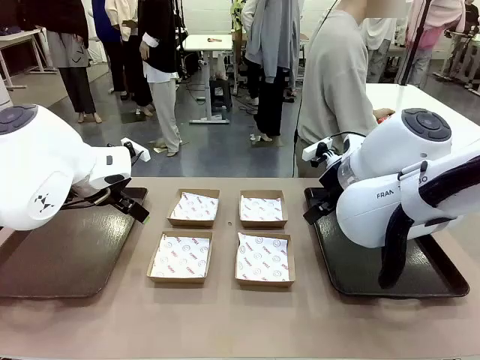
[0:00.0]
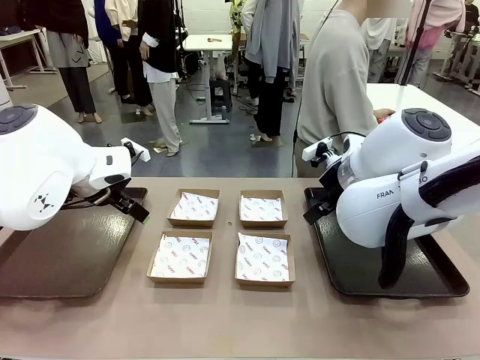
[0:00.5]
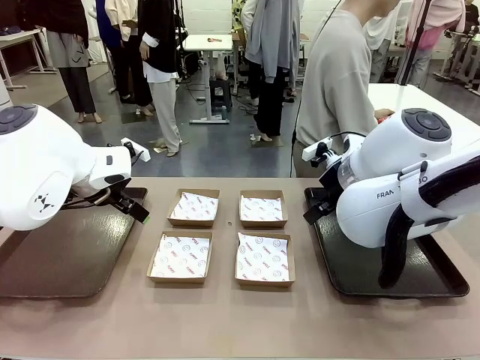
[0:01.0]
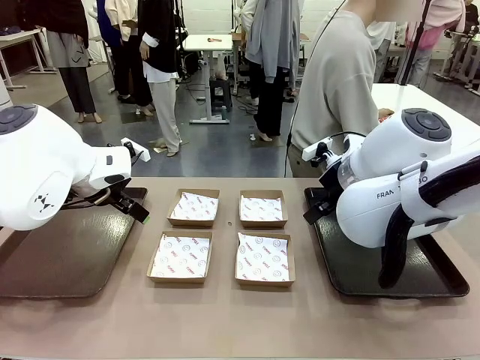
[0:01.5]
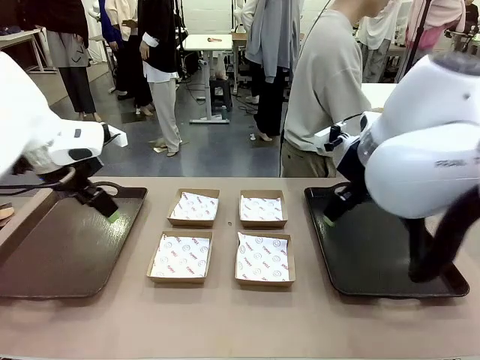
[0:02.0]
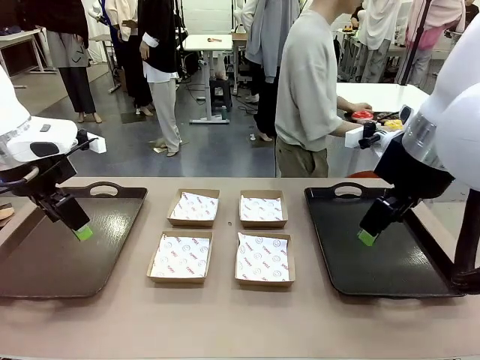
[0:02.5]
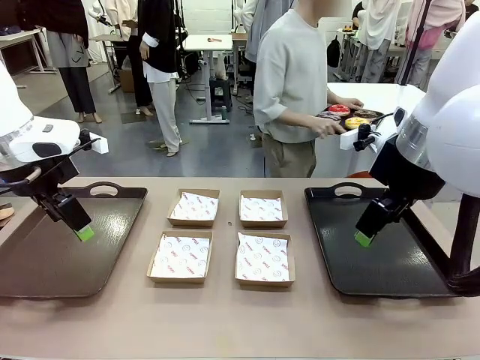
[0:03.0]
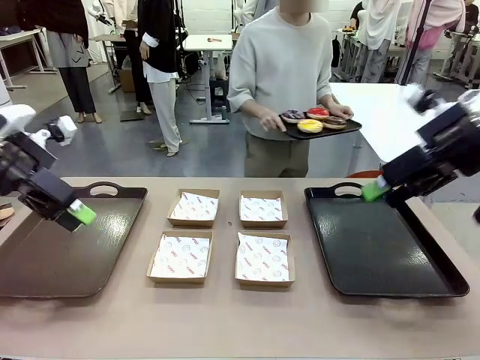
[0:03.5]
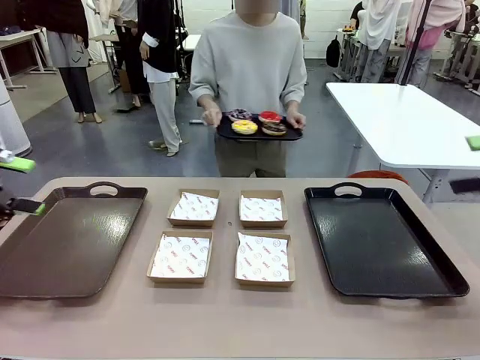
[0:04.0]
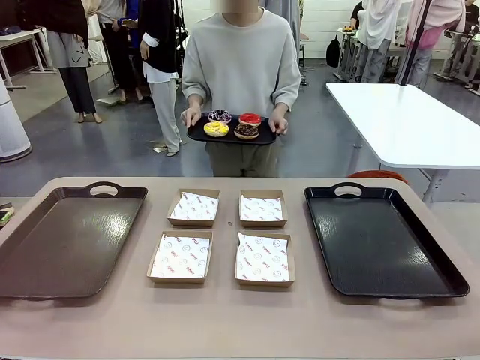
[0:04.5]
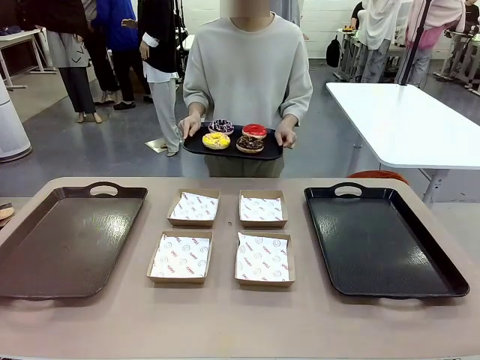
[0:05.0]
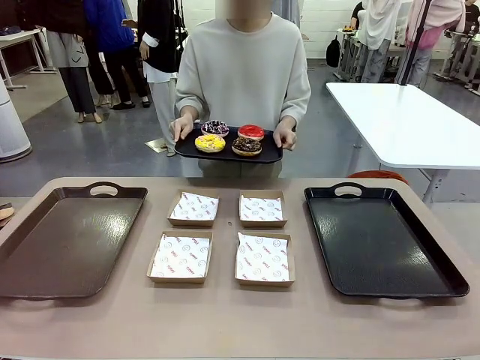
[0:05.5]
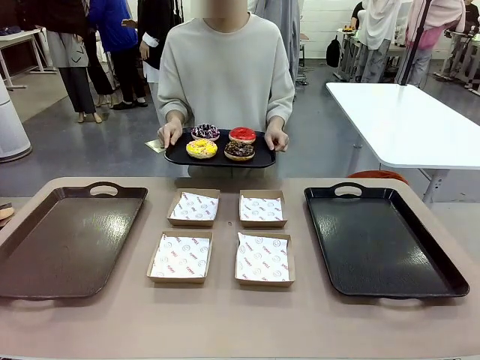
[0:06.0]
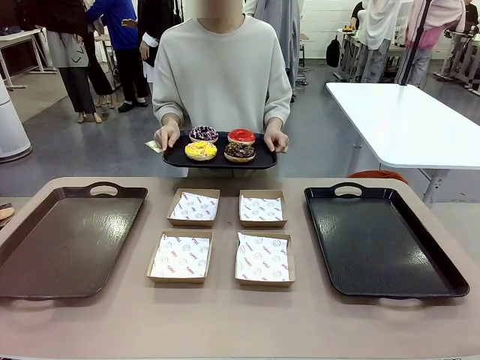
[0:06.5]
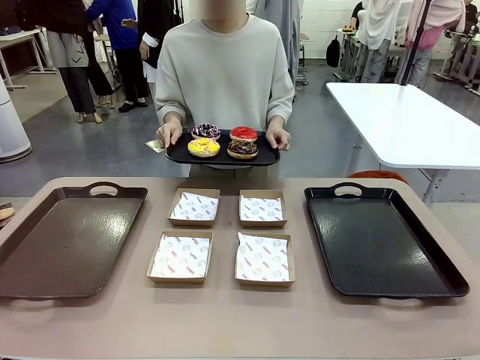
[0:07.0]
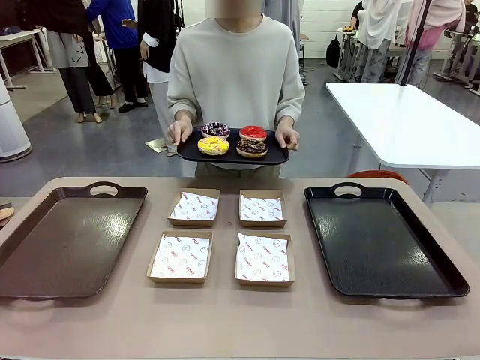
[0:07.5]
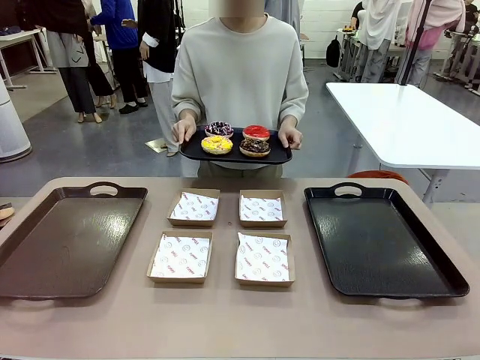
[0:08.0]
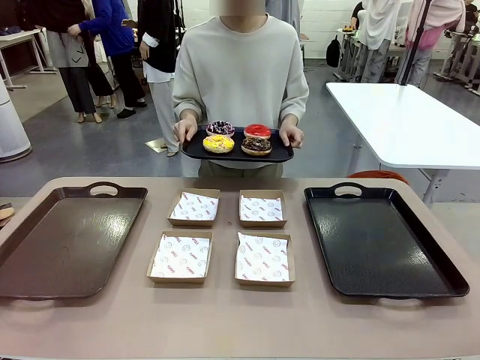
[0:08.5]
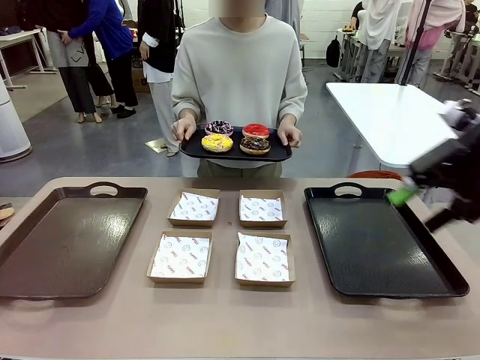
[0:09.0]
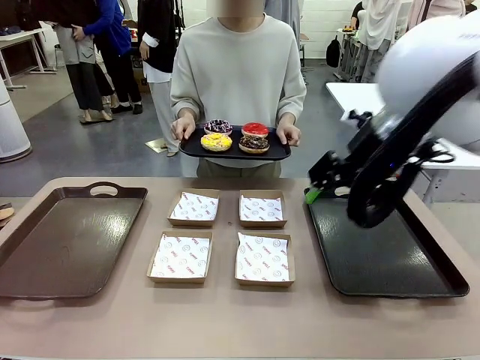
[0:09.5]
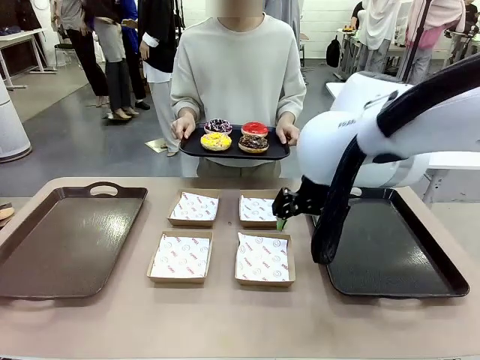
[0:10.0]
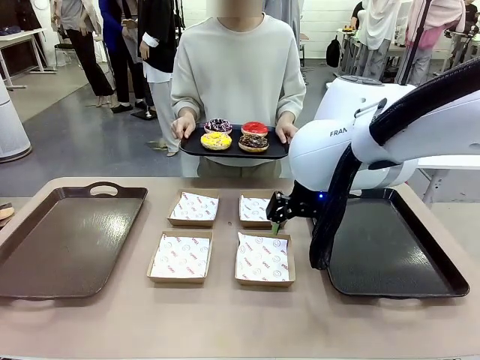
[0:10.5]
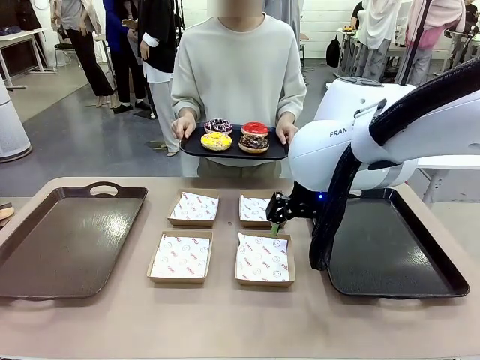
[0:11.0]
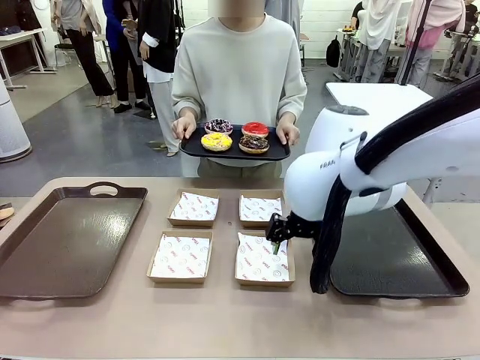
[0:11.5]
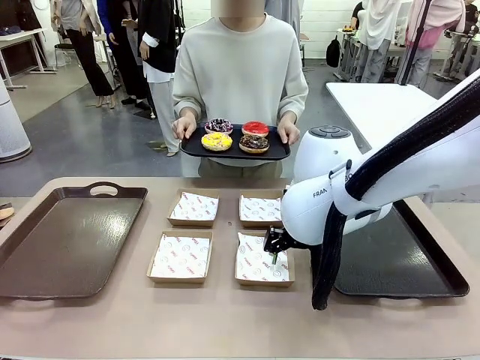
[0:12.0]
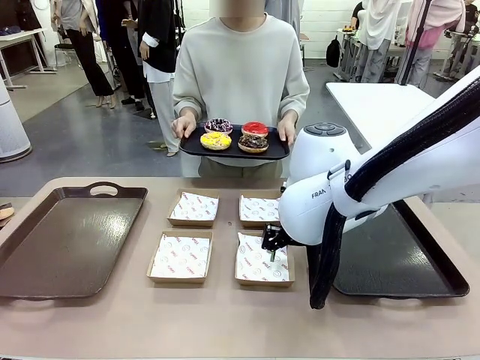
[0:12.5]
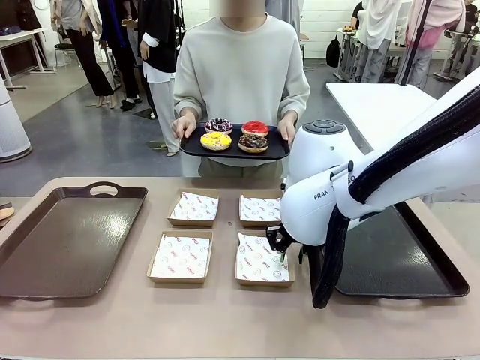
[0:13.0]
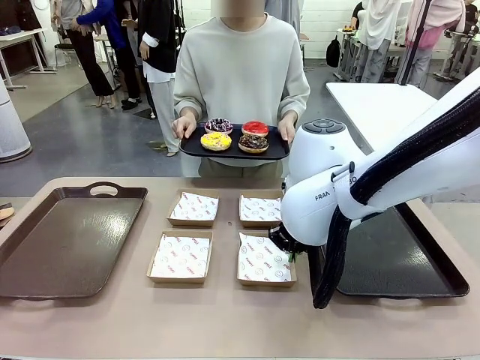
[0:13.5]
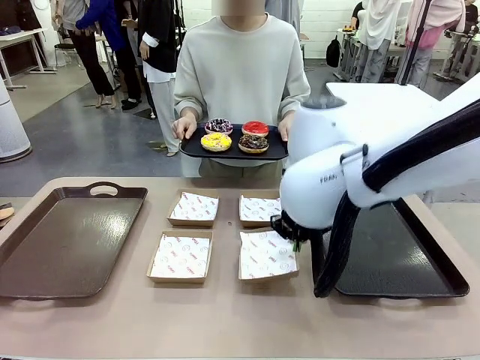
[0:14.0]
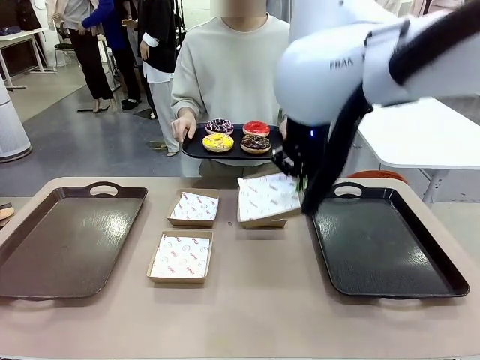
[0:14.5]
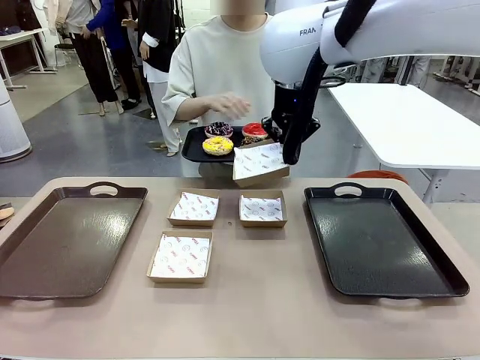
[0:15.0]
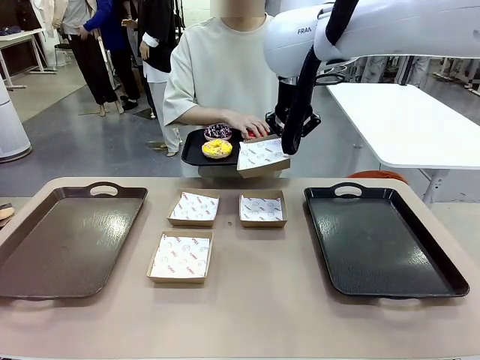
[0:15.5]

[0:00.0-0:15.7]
Task: Individually package the donuts and arrange them on the tray.
Robot: Pick up one Paper togo box.
Person: Stand in front of the robot table holding the tray containing the donuts.

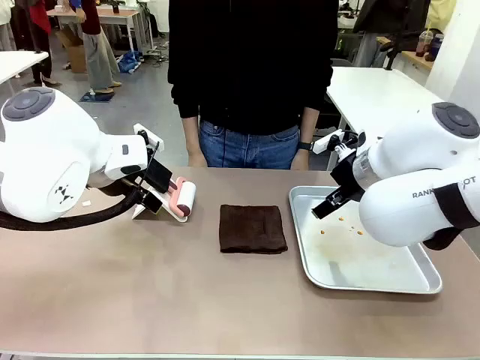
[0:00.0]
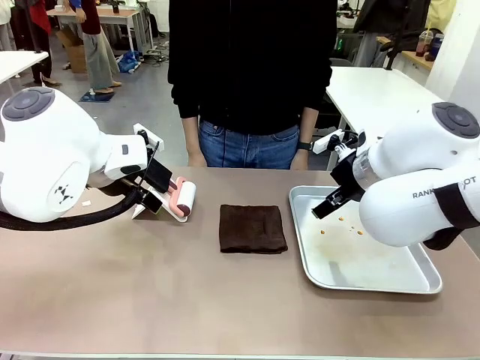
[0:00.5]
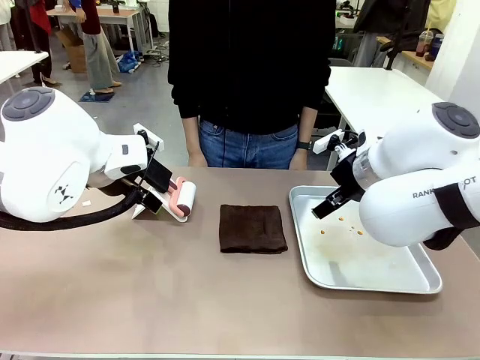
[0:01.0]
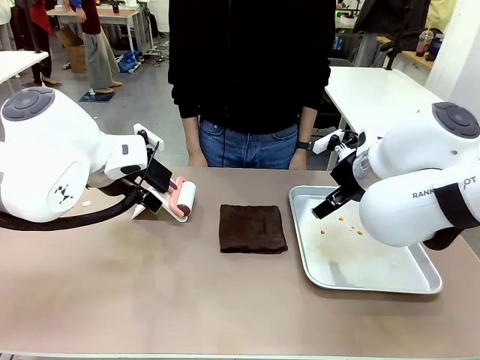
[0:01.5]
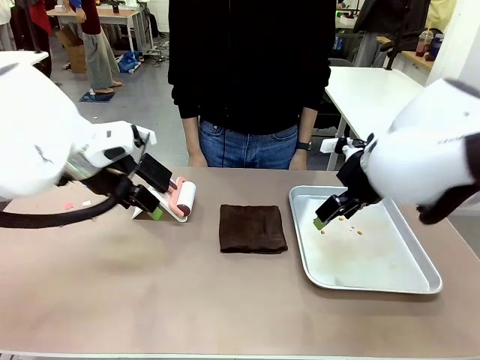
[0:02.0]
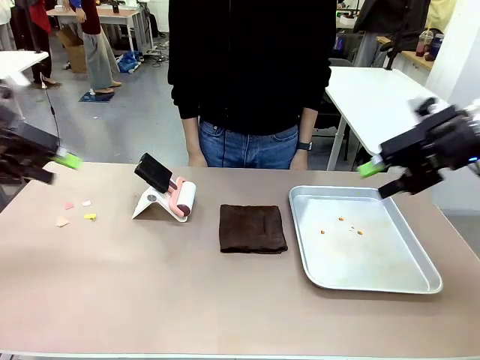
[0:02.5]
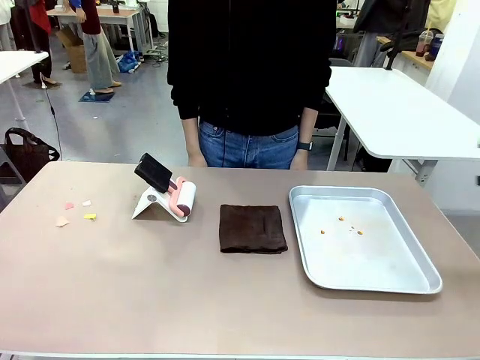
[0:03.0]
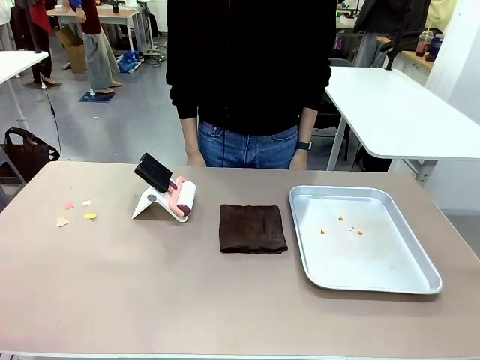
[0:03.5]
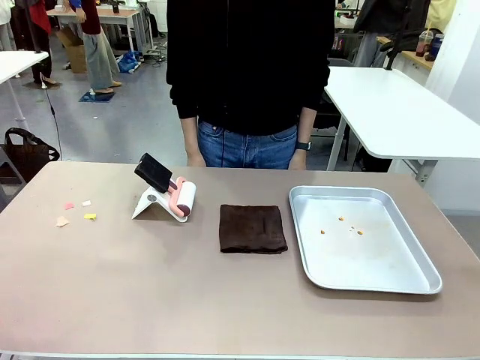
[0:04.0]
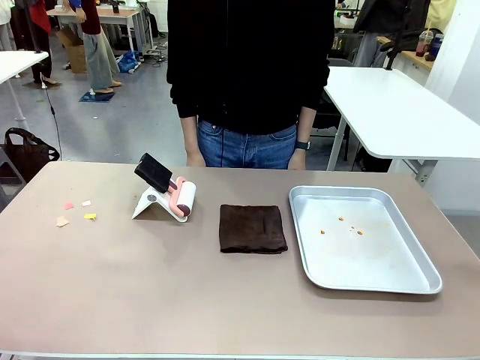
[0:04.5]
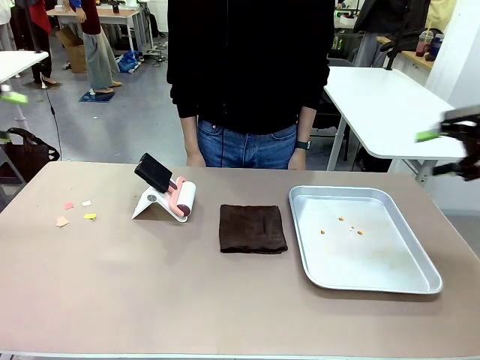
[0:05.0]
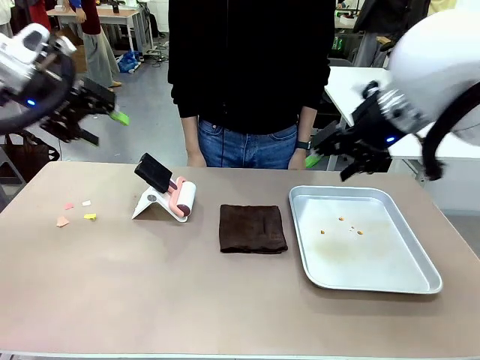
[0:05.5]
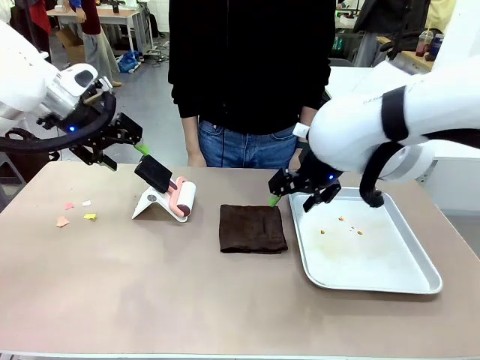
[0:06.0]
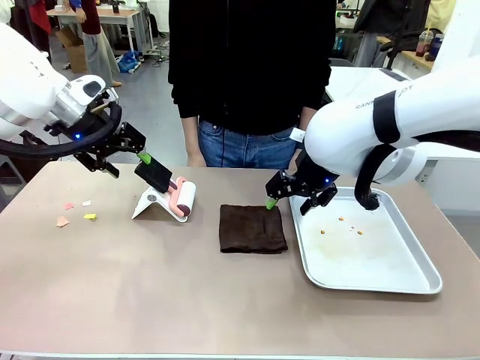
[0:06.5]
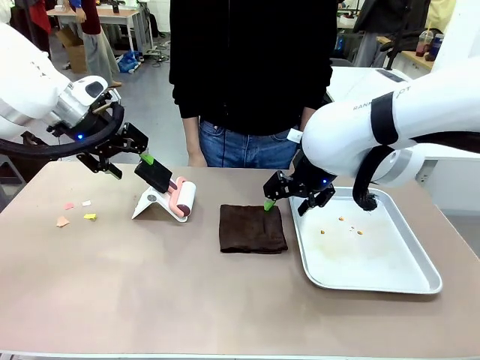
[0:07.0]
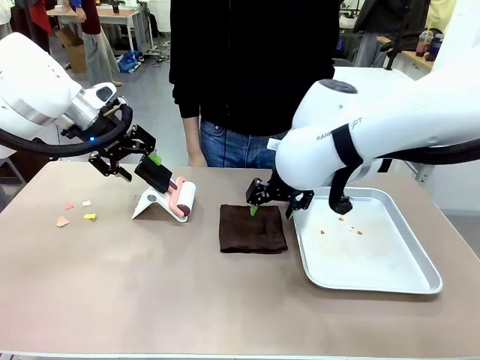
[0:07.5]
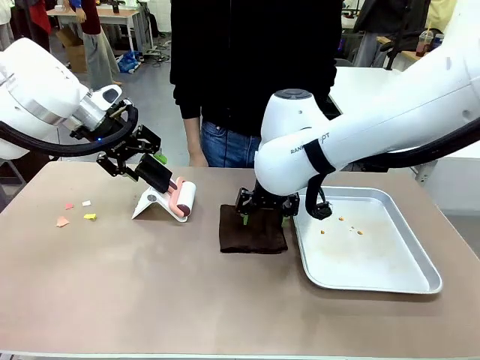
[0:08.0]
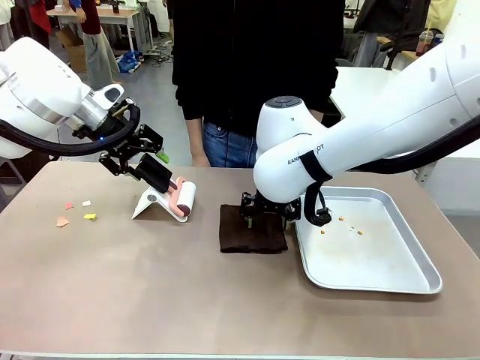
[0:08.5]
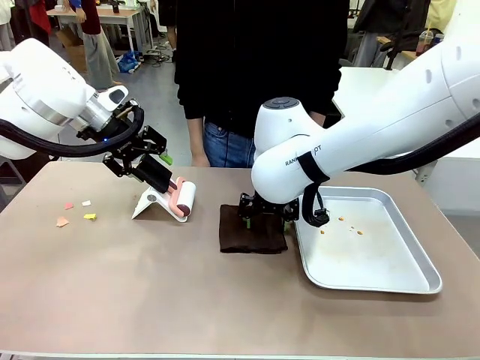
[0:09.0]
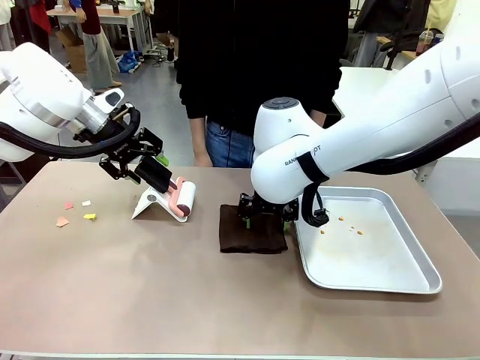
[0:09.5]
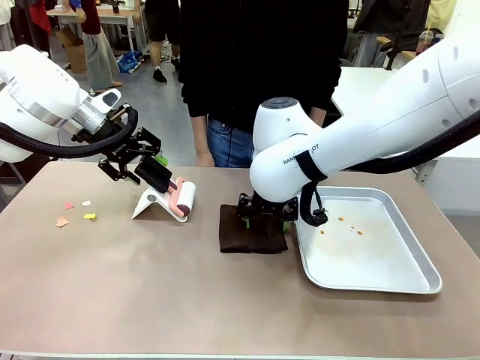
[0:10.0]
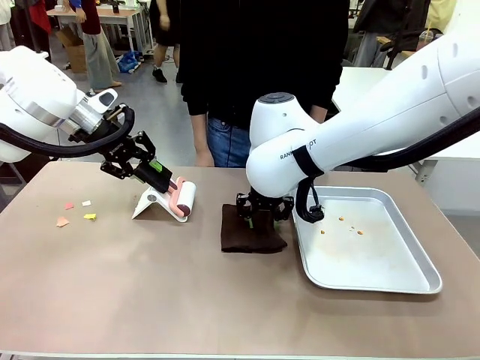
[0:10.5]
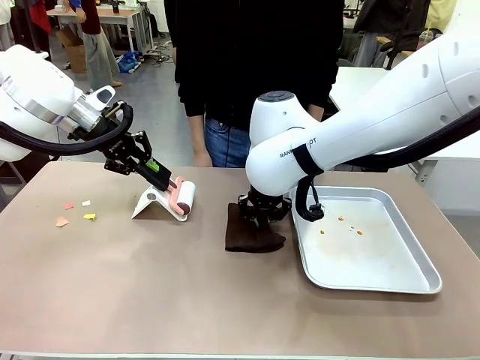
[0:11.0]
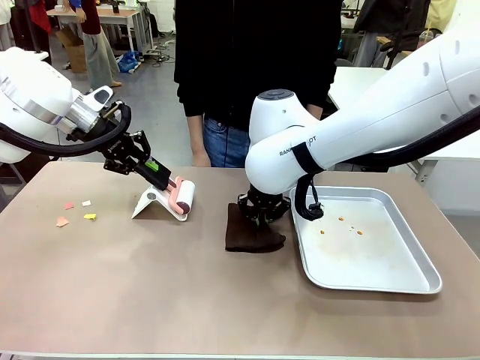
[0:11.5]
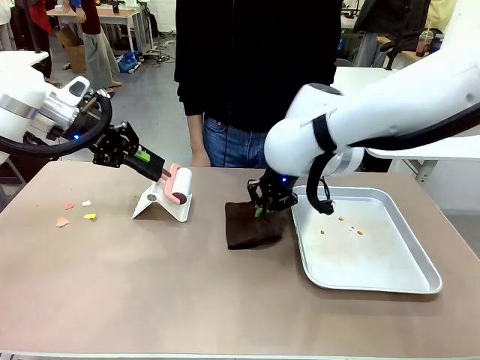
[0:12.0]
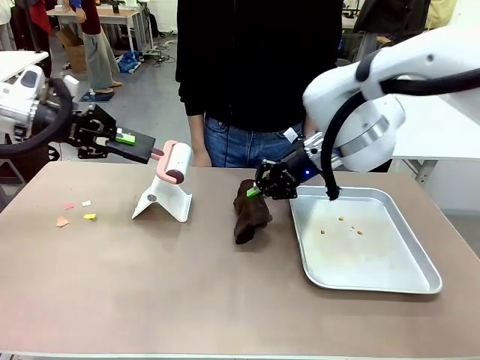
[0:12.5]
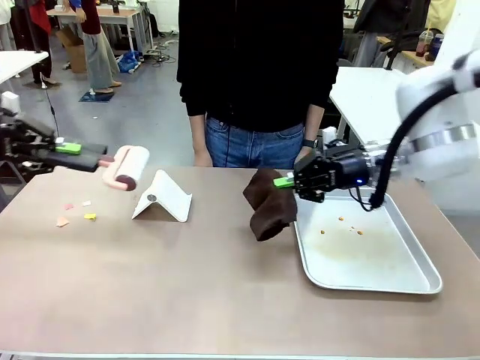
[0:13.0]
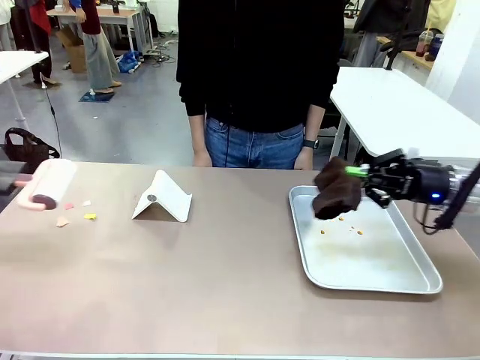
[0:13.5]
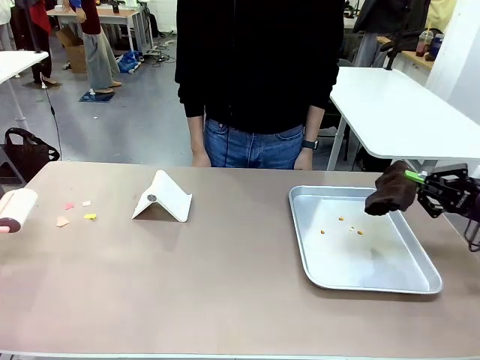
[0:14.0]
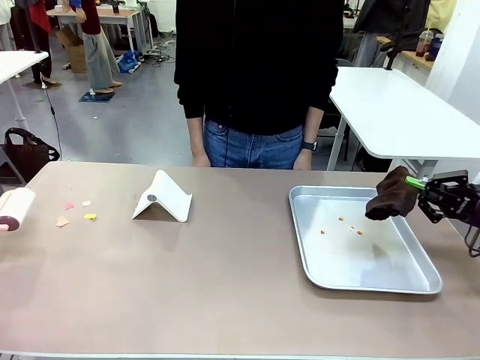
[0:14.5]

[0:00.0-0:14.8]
Task: Clean the surface of the table.
Robot: Hold the Lint Roller with your left hand and the towel with your right hand.
